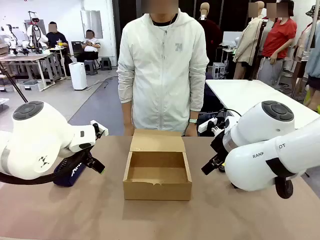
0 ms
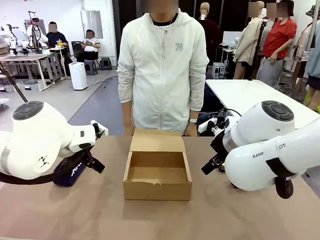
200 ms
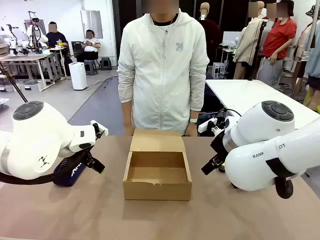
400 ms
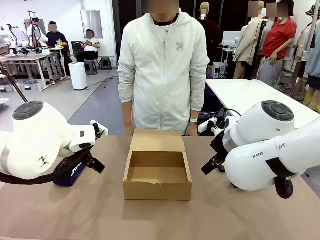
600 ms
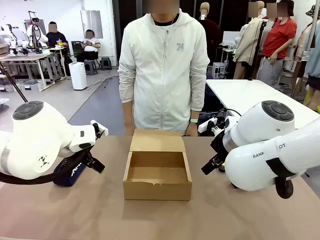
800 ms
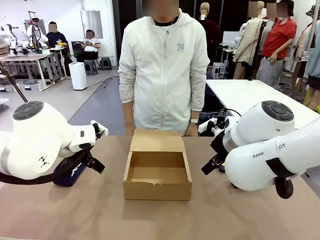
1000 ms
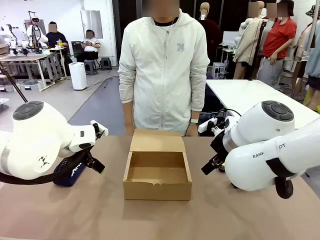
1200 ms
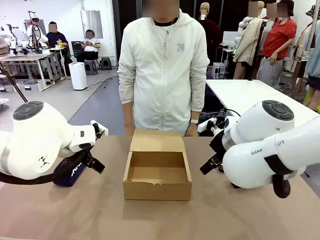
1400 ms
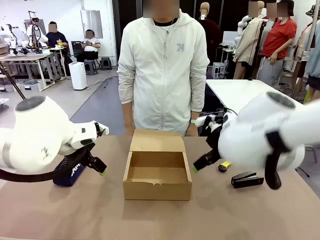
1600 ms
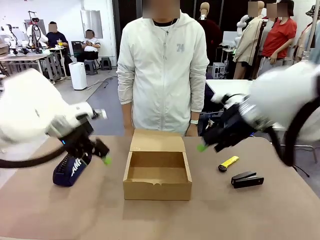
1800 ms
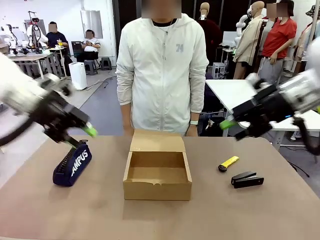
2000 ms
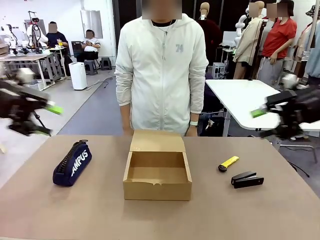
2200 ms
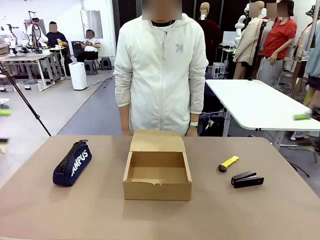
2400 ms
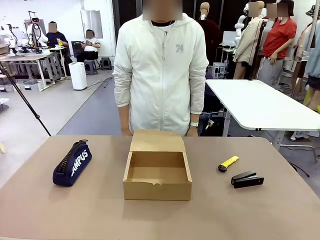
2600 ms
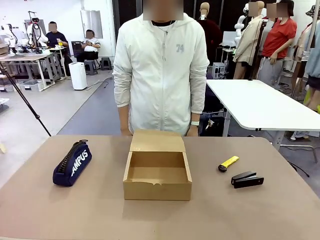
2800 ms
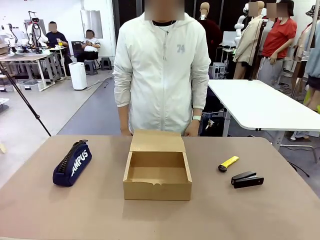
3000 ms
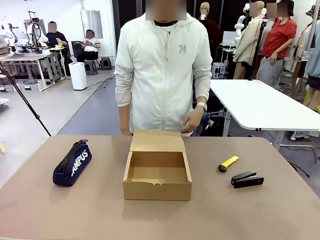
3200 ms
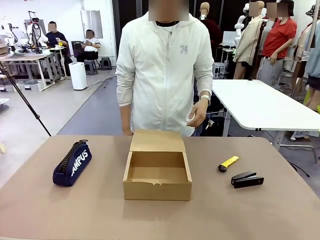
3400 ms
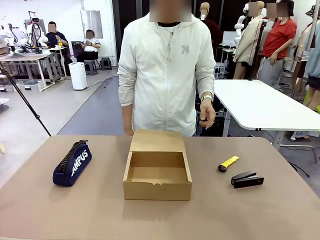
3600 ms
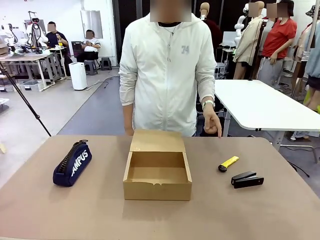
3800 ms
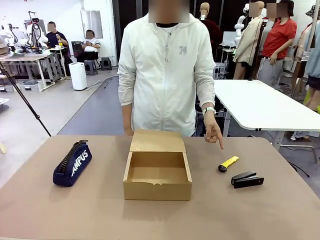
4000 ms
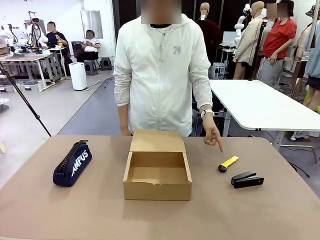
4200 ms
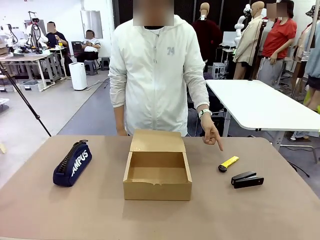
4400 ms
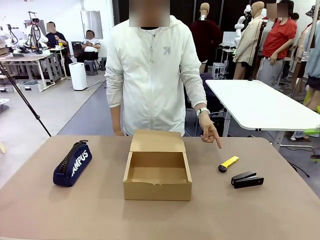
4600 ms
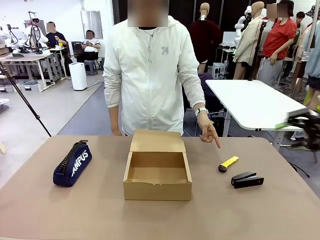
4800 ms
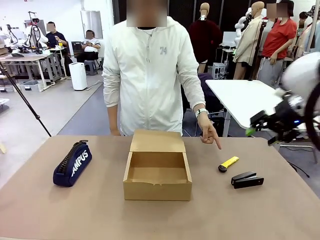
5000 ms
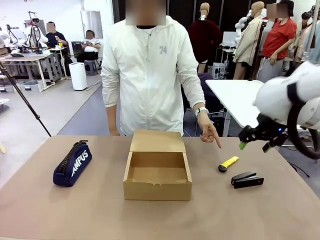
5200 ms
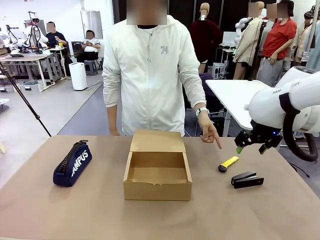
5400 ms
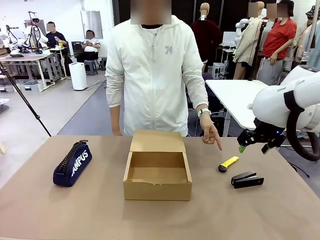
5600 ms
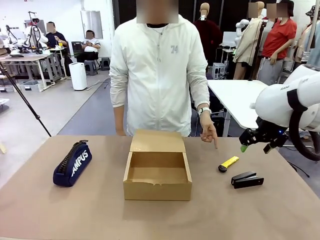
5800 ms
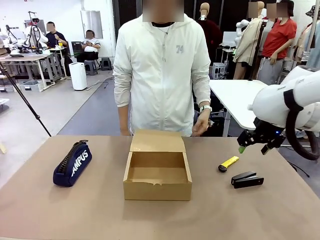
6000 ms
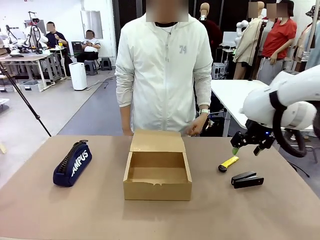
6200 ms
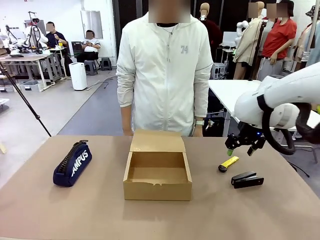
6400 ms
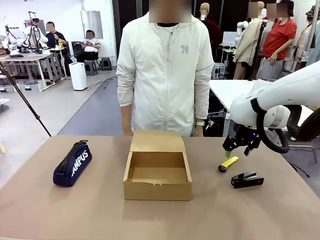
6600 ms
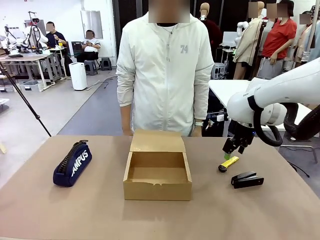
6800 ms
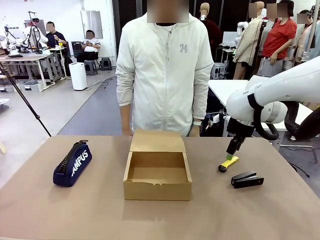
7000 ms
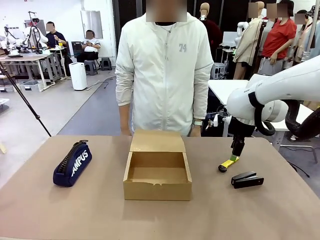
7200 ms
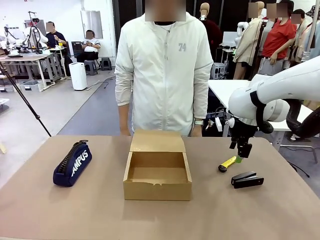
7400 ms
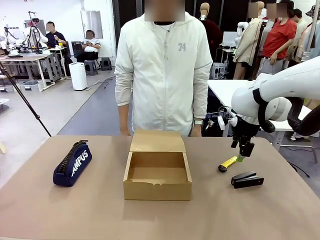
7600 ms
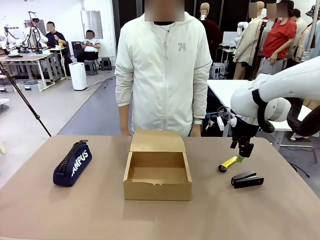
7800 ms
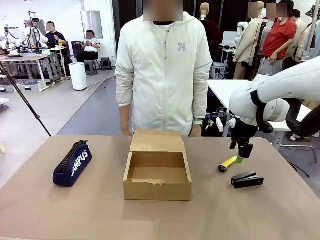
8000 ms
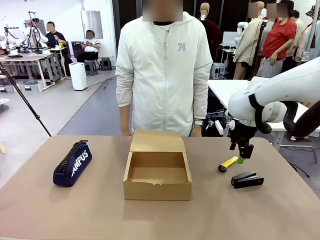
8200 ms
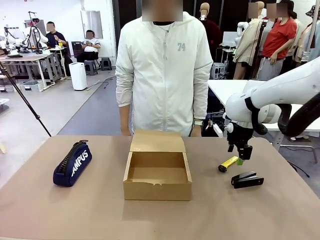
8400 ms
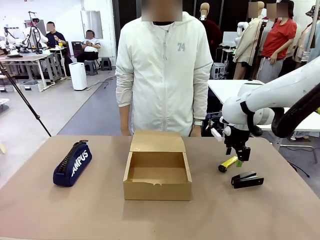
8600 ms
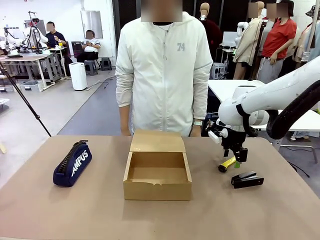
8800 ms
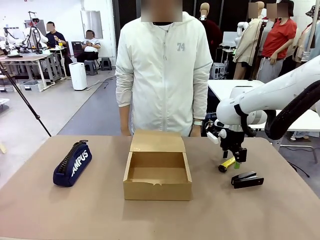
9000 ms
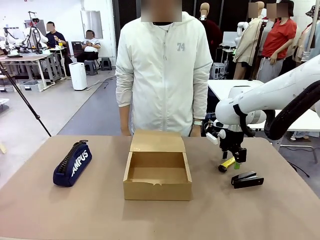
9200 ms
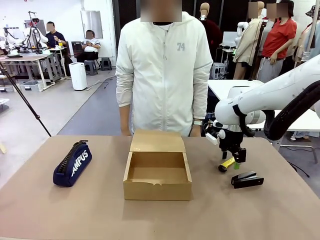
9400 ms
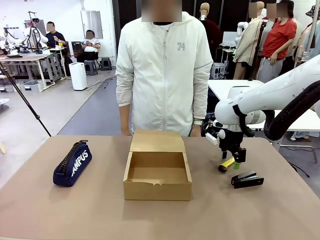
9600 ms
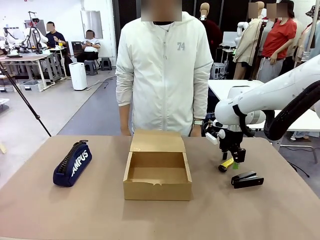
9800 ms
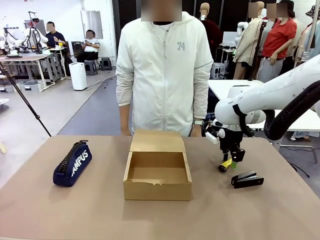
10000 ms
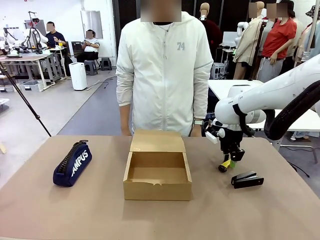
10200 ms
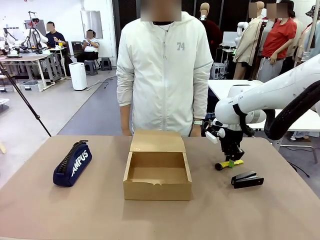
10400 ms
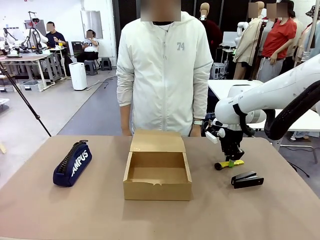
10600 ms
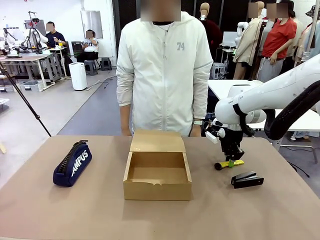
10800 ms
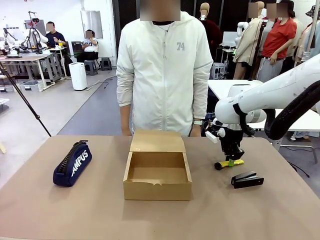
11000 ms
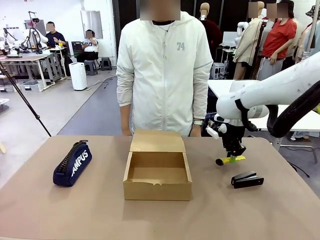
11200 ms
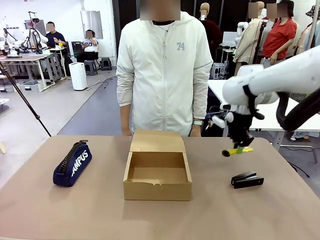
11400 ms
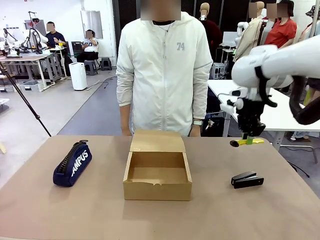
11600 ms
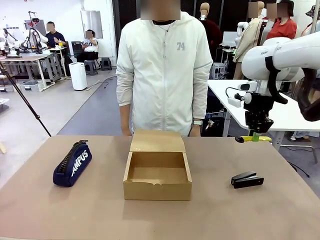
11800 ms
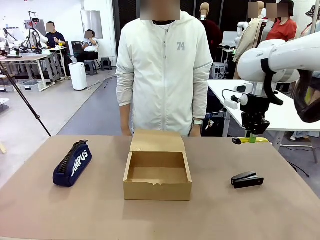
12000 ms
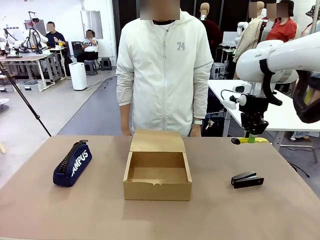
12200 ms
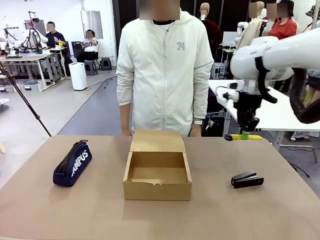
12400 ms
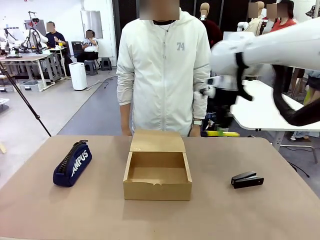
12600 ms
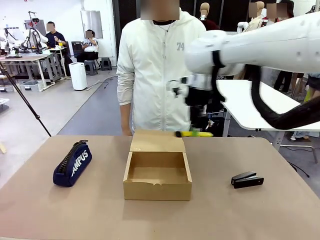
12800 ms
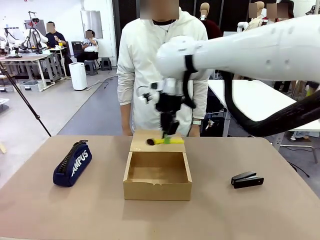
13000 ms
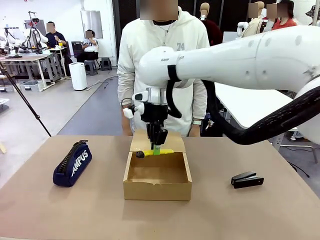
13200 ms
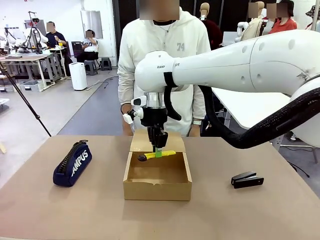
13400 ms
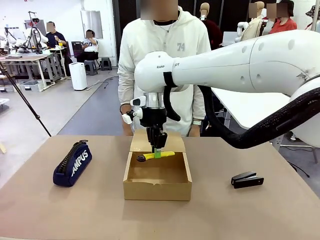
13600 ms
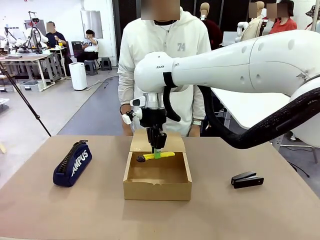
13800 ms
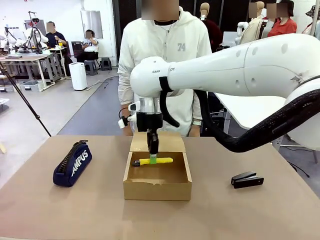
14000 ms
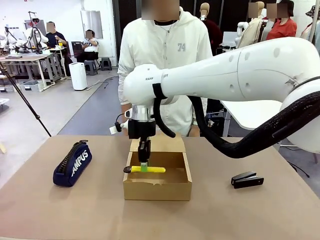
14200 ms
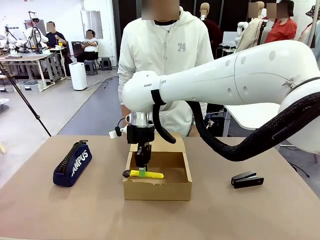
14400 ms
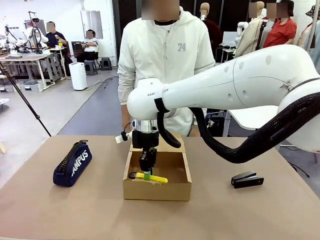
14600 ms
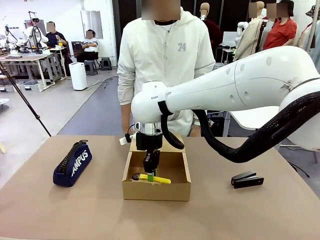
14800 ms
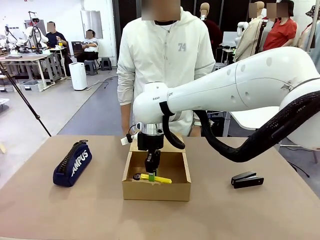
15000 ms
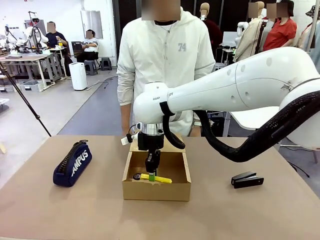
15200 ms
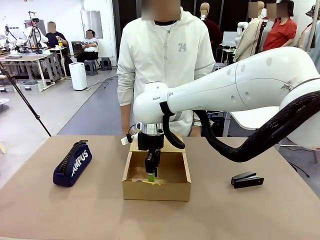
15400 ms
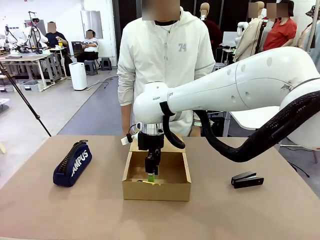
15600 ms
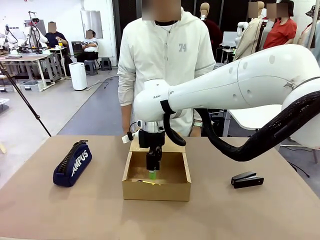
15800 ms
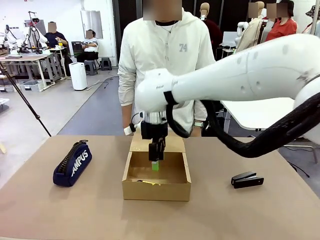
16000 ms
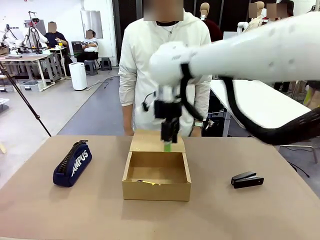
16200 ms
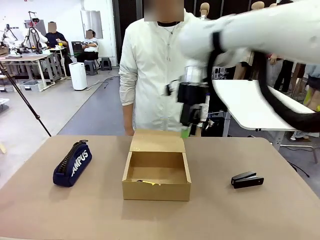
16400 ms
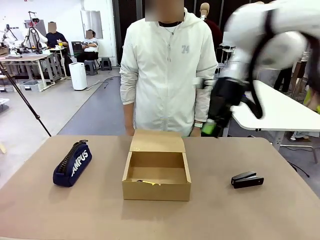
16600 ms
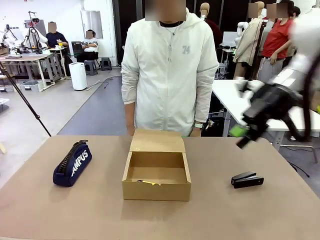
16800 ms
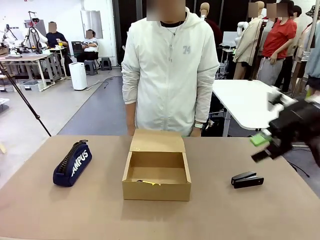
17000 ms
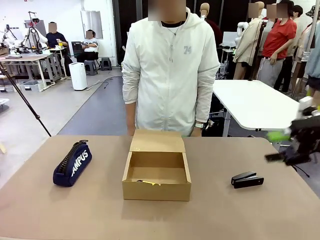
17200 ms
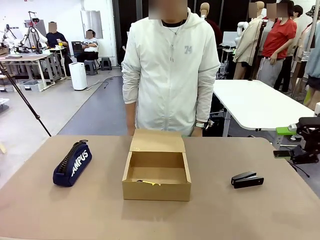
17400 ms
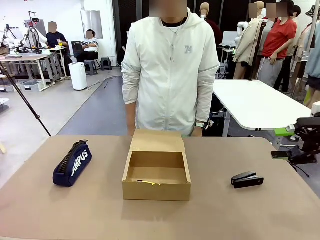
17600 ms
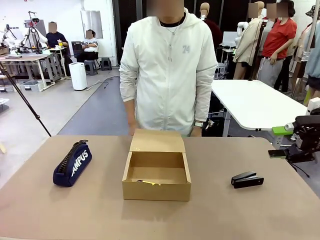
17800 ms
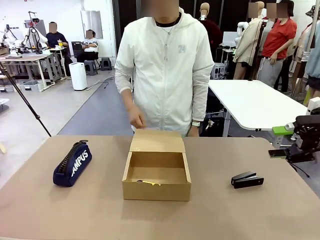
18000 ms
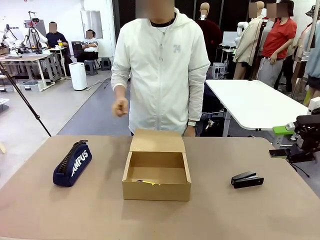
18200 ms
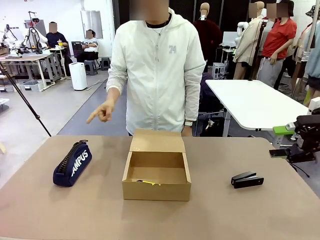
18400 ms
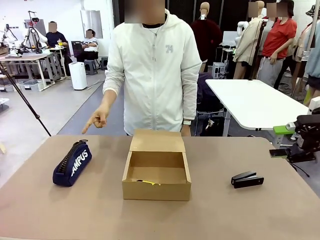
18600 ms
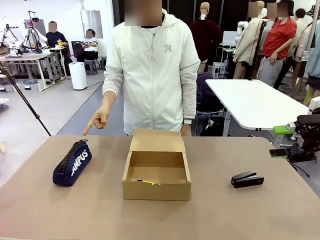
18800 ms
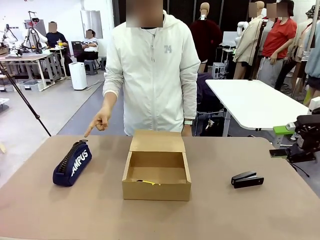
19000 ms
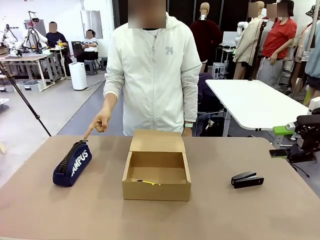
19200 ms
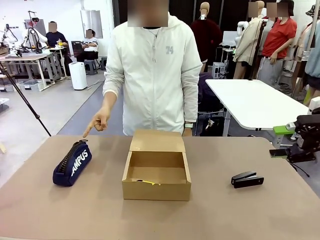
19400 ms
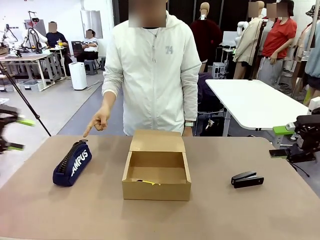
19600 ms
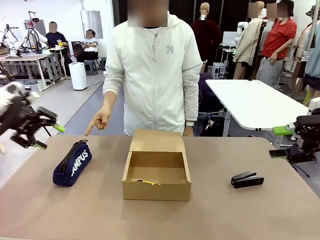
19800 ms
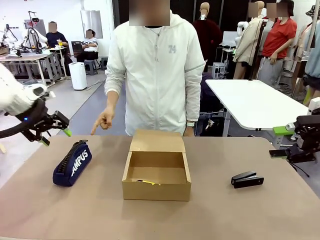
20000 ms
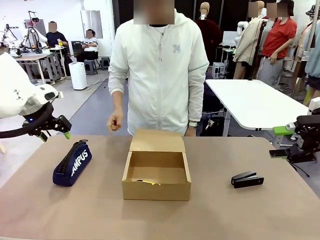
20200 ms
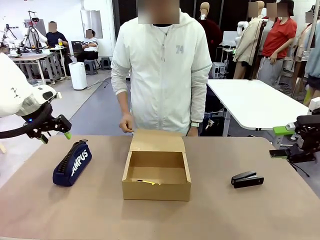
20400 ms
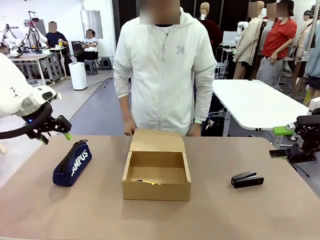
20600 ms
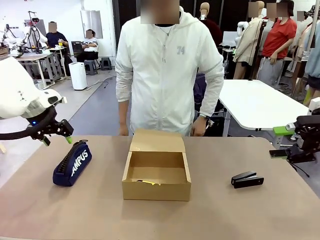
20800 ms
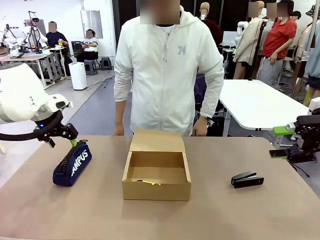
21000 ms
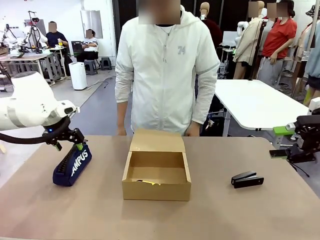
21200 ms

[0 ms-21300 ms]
Task: Pack the items into the box.
Robot: Pick up the item indicated by the person and place it inside the Mailer Box.
Person: Point at one item on the table (excluding the box).
